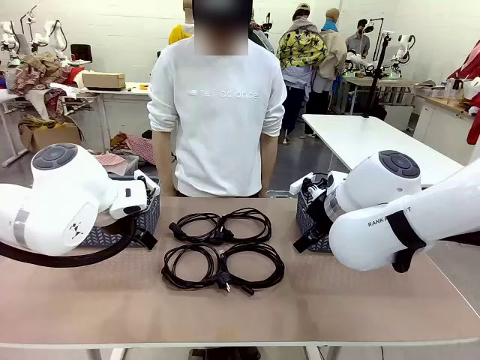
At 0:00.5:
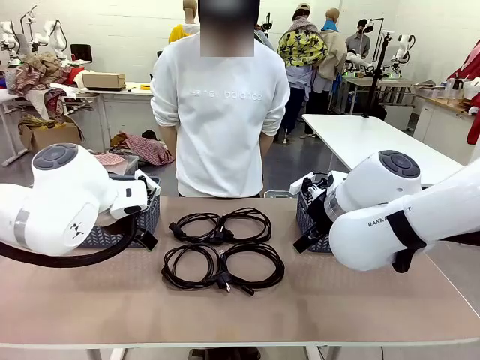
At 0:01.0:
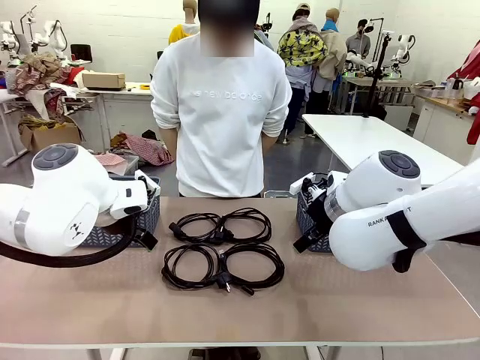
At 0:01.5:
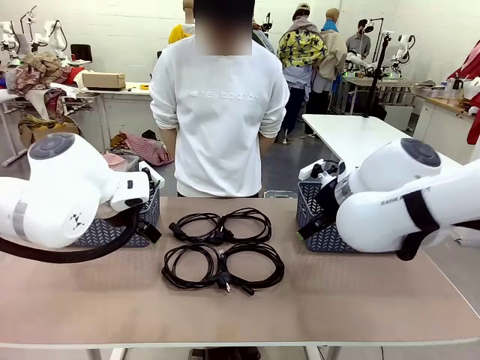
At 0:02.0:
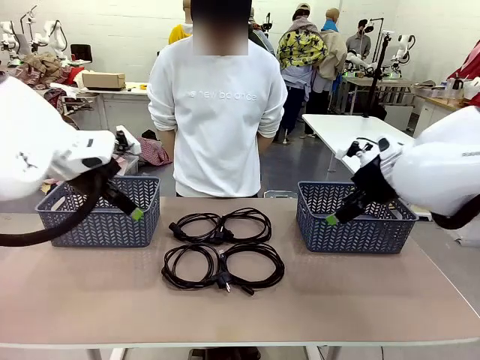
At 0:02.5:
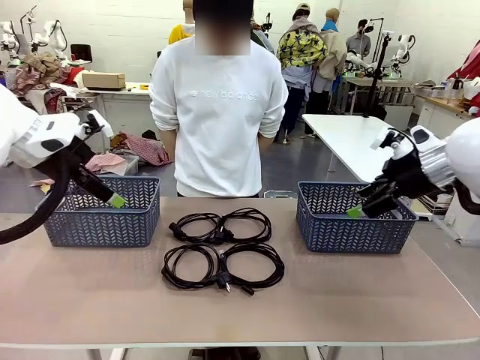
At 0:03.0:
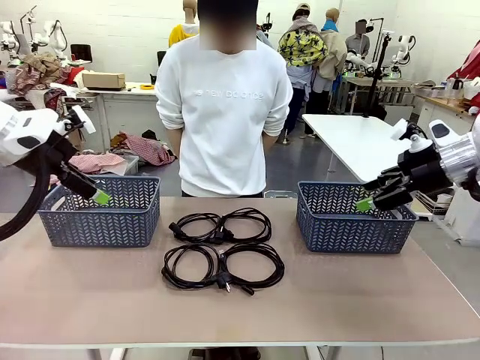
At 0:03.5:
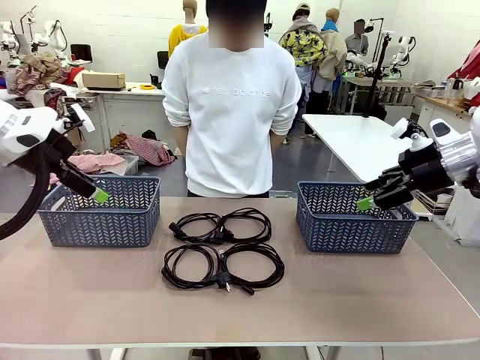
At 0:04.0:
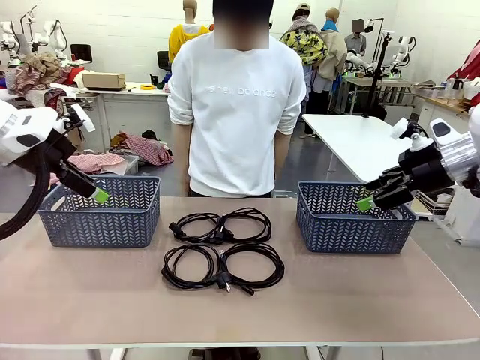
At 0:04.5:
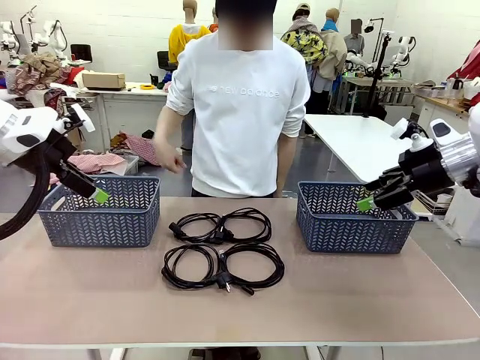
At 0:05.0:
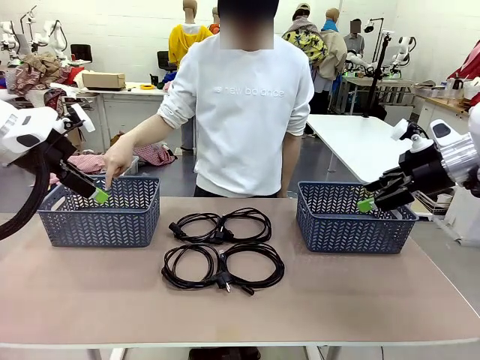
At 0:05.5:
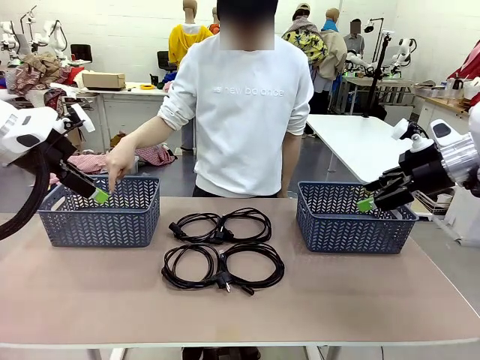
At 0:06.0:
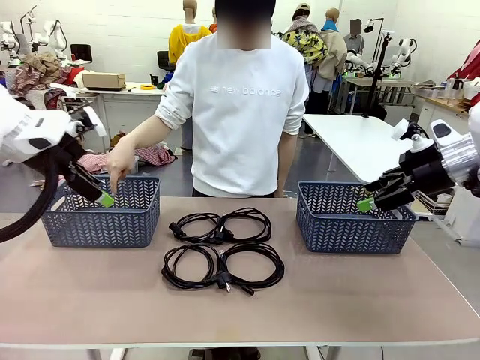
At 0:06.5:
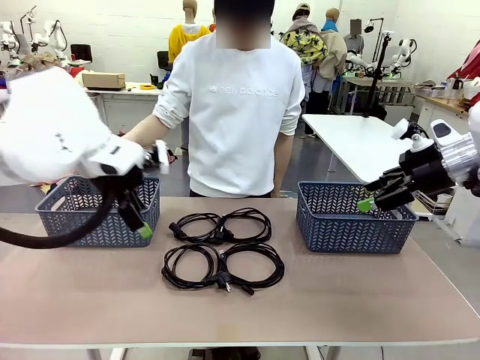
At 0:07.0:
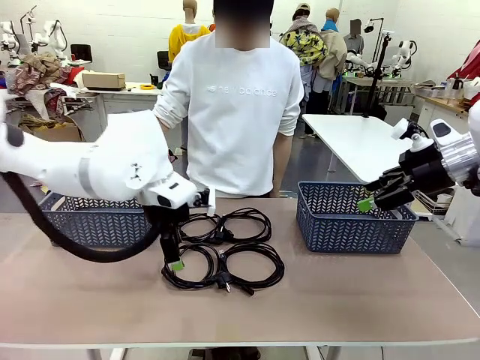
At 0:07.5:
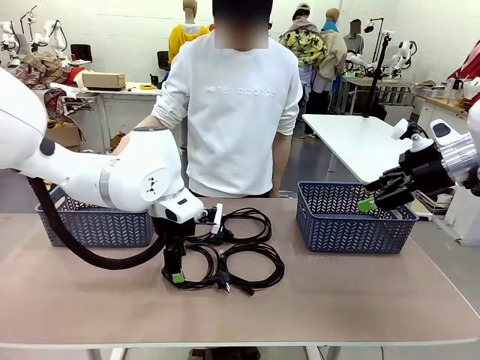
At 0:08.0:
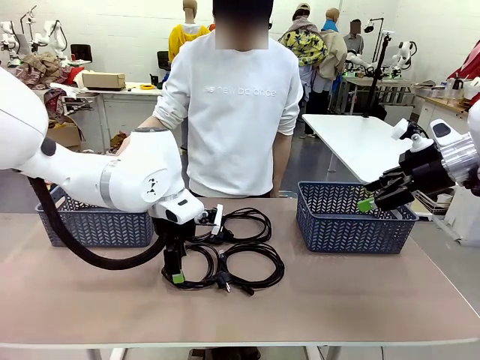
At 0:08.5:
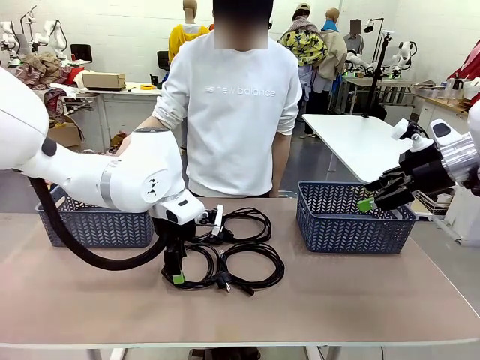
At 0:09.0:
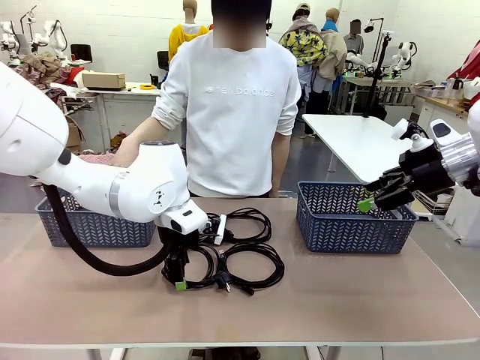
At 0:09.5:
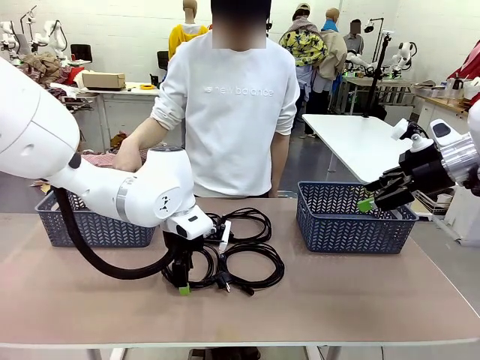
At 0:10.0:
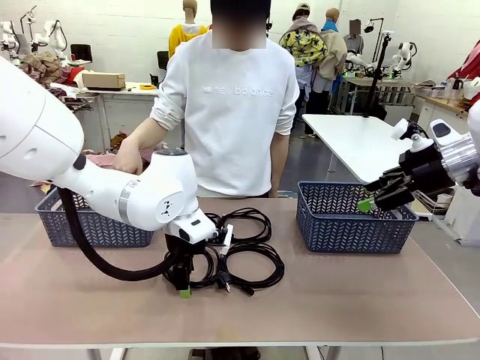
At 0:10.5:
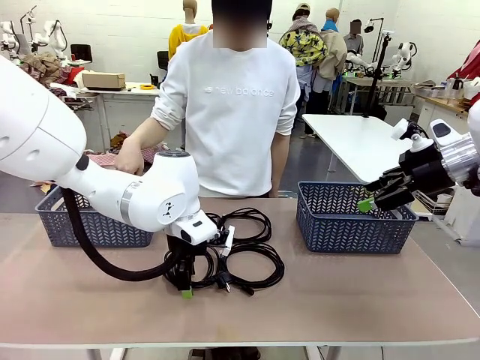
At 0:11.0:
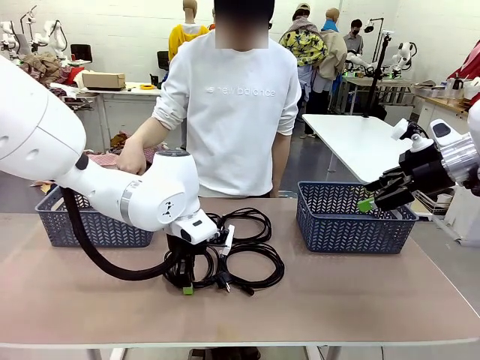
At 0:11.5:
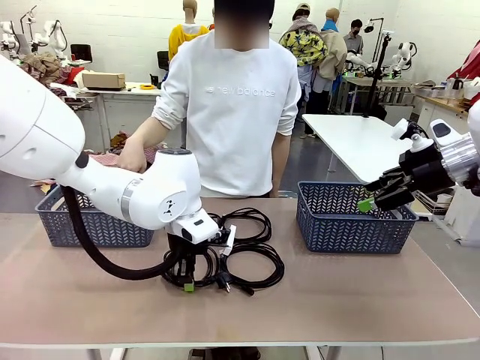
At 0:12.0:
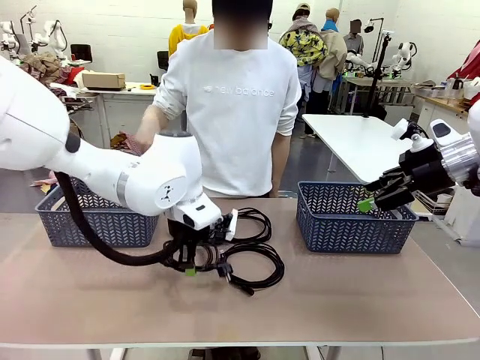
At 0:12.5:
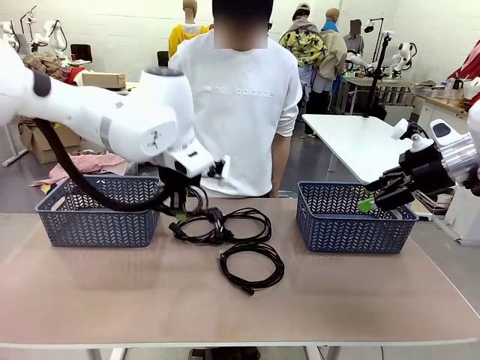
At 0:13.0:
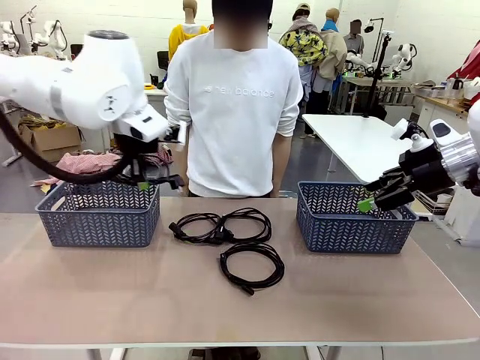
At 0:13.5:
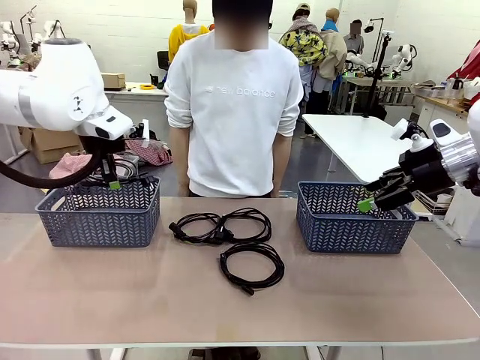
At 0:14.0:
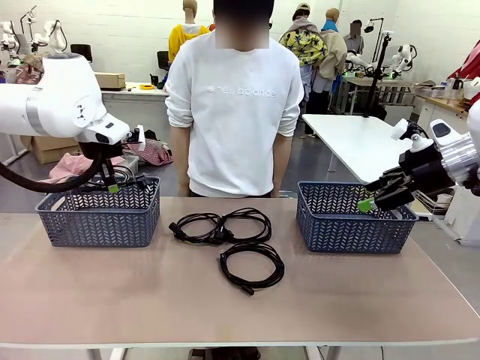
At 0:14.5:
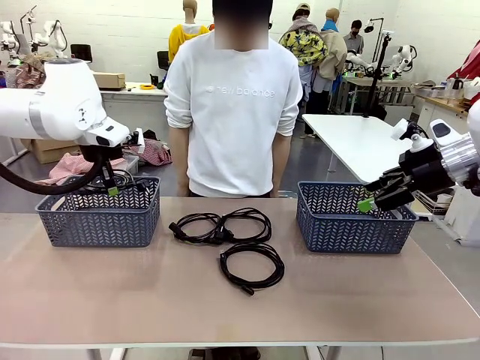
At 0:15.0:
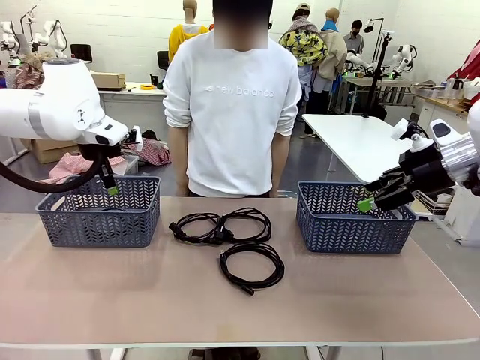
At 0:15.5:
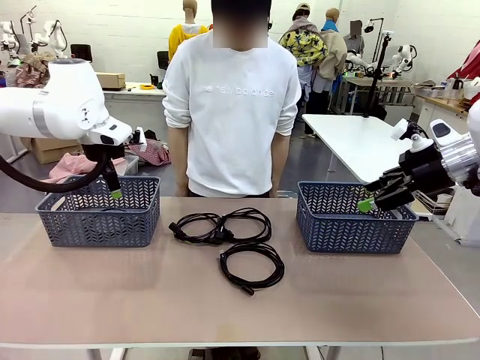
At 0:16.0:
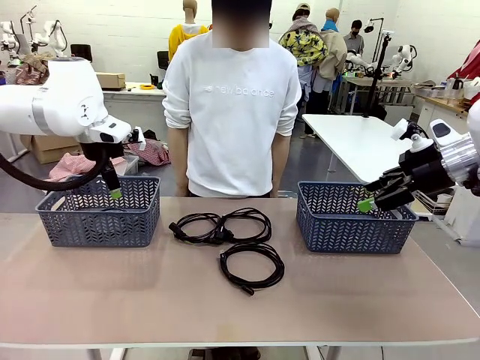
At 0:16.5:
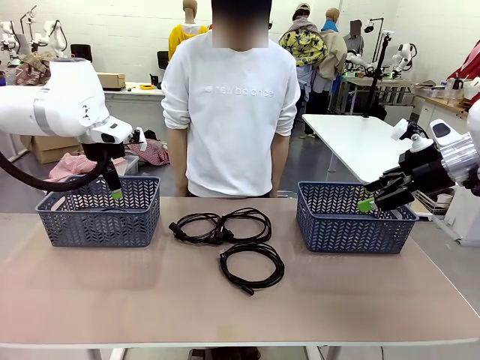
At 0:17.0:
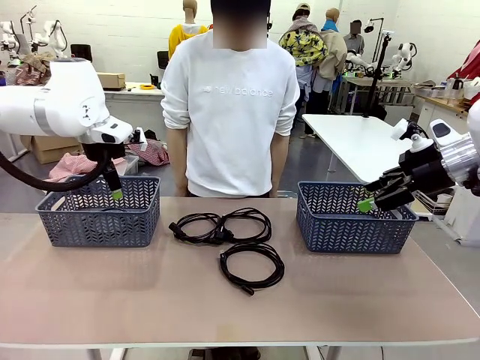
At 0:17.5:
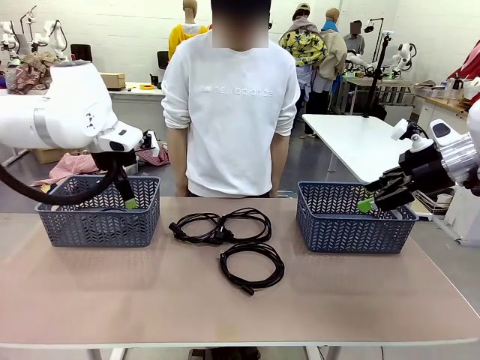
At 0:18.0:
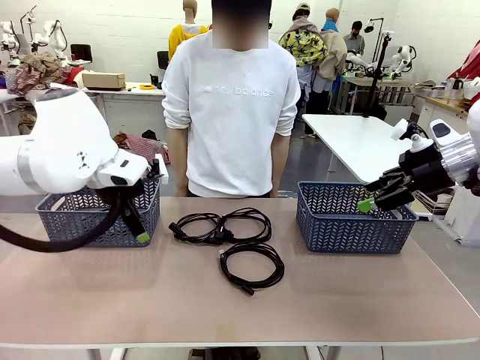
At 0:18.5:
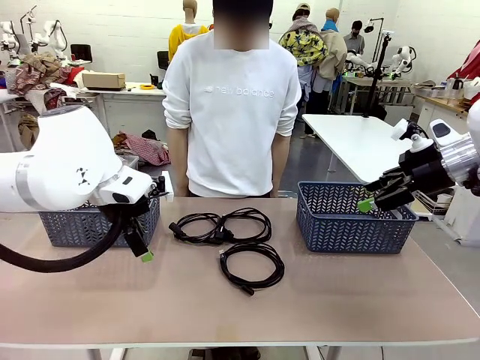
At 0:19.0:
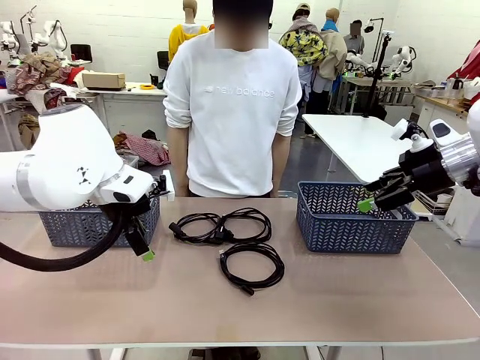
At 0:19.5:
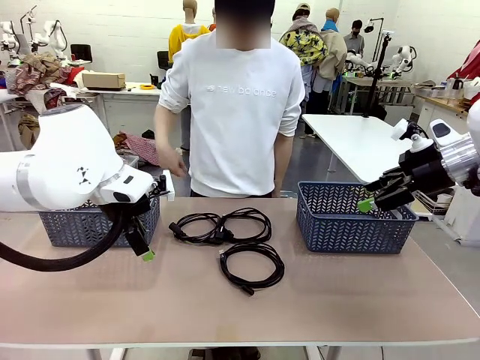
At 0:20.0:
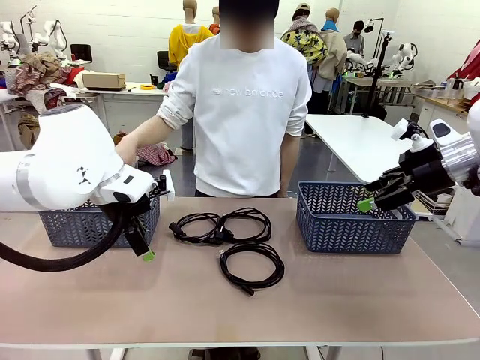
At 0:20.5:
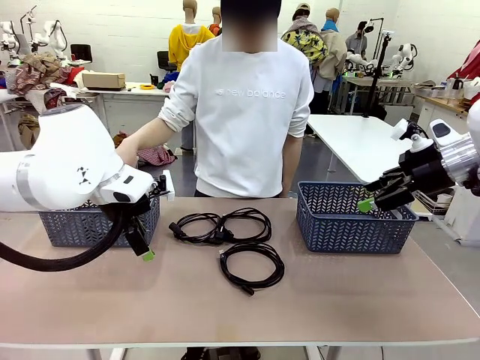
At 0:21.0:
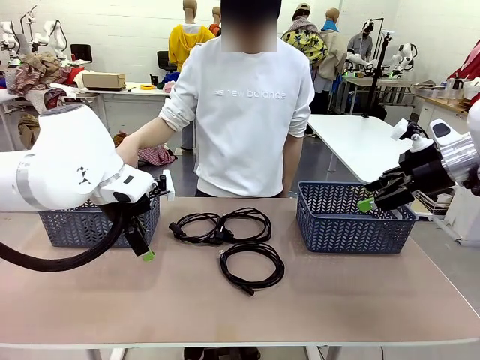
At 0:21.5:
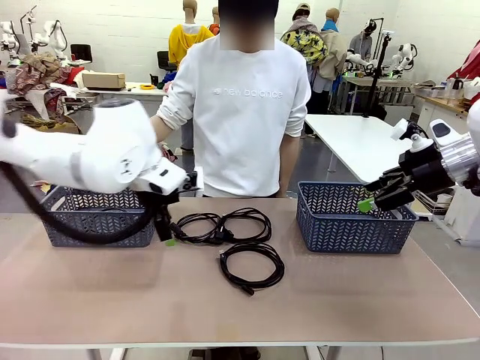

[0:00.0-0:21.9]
Task: Organize the cables according to human instructions.
Robot: Pick up a bundle of cables and place it in the basket indicated by the human.
